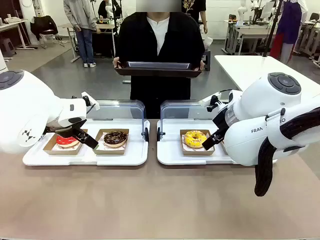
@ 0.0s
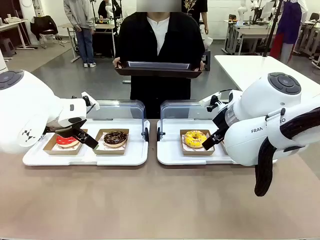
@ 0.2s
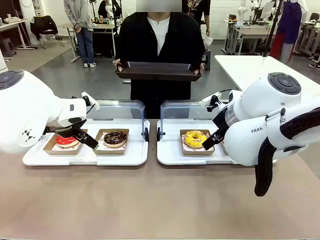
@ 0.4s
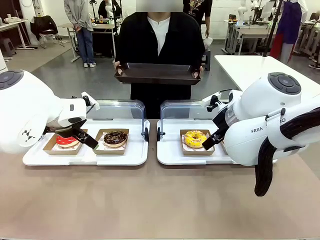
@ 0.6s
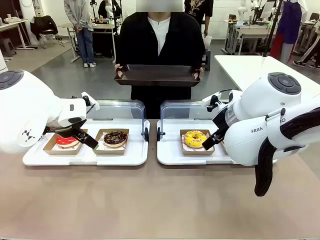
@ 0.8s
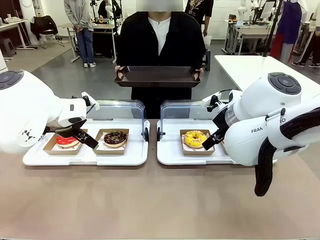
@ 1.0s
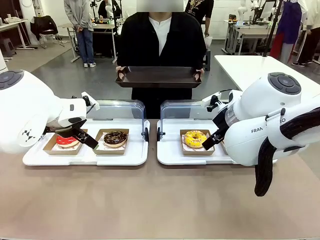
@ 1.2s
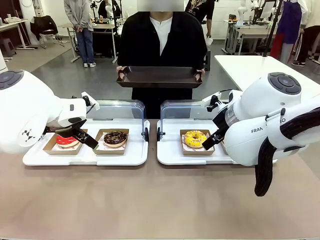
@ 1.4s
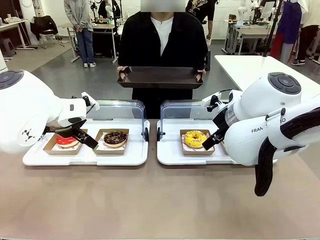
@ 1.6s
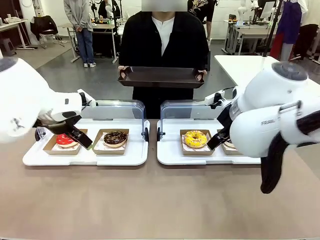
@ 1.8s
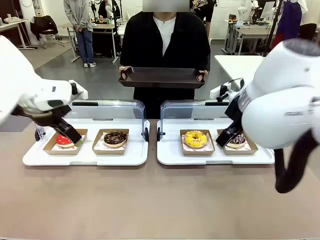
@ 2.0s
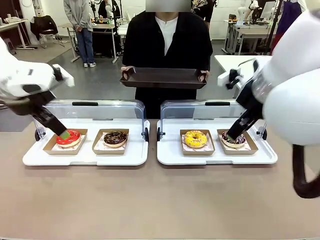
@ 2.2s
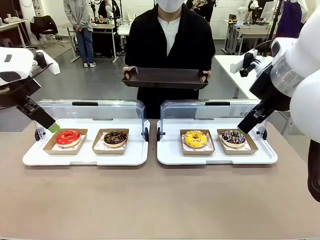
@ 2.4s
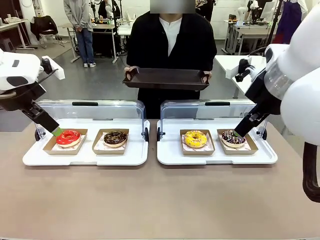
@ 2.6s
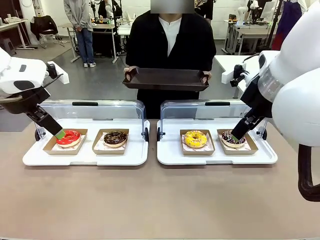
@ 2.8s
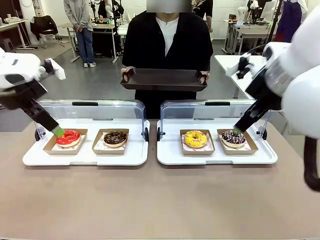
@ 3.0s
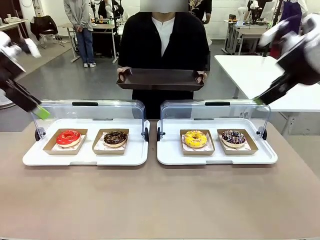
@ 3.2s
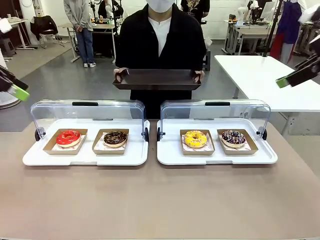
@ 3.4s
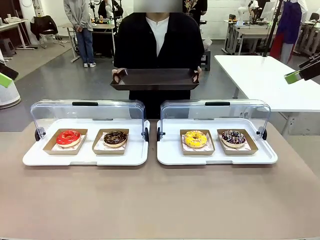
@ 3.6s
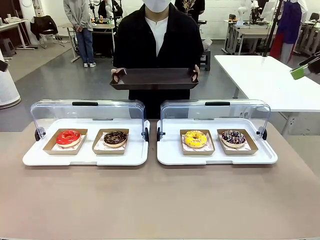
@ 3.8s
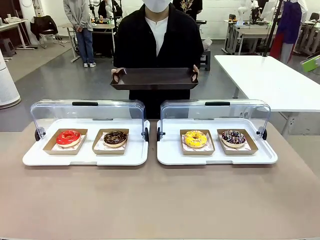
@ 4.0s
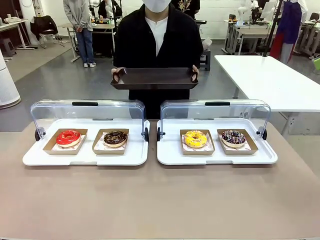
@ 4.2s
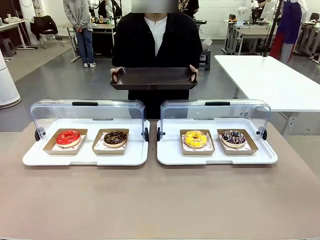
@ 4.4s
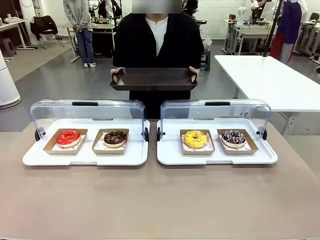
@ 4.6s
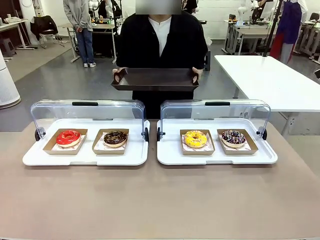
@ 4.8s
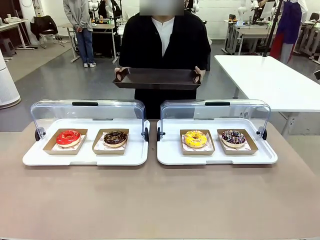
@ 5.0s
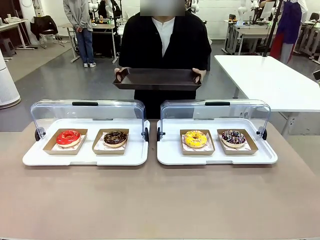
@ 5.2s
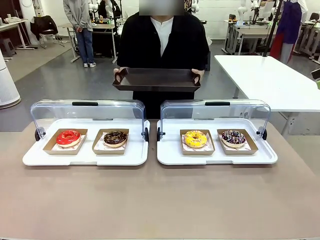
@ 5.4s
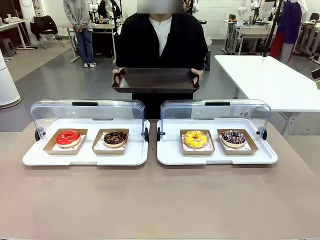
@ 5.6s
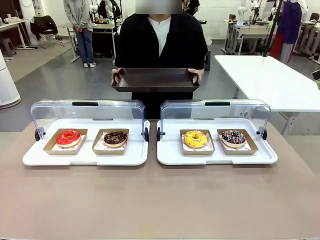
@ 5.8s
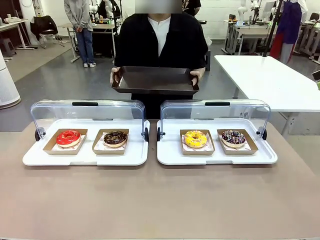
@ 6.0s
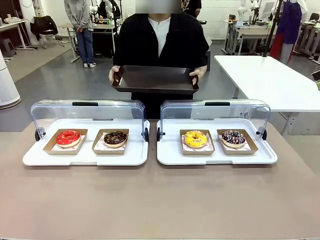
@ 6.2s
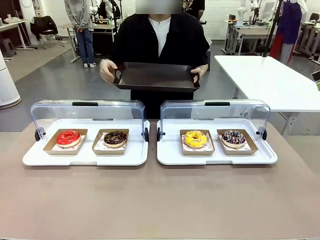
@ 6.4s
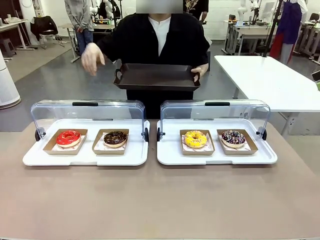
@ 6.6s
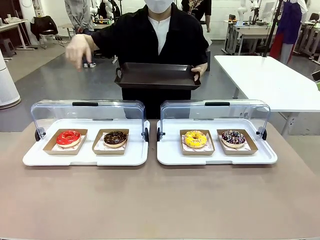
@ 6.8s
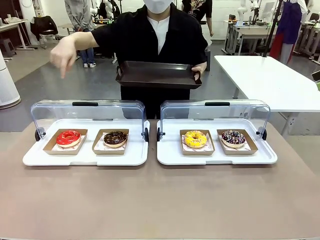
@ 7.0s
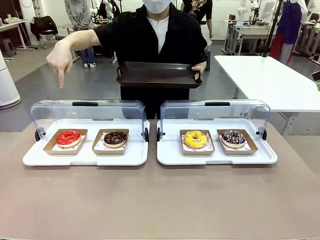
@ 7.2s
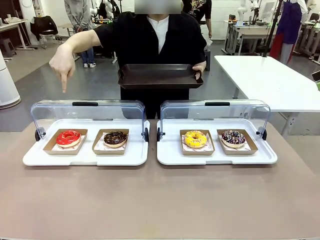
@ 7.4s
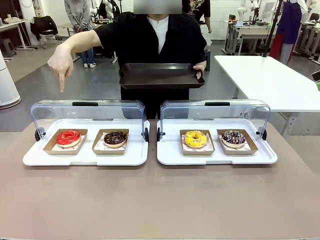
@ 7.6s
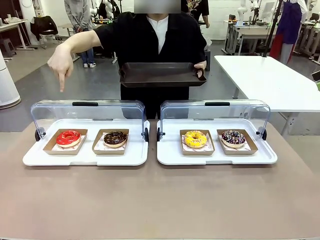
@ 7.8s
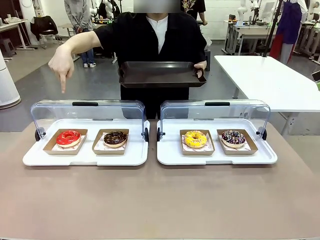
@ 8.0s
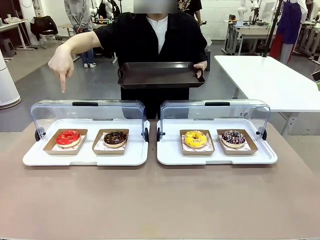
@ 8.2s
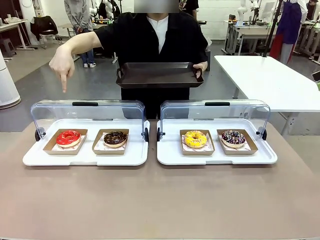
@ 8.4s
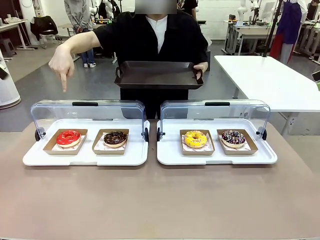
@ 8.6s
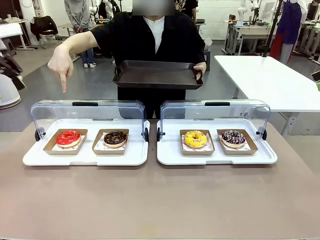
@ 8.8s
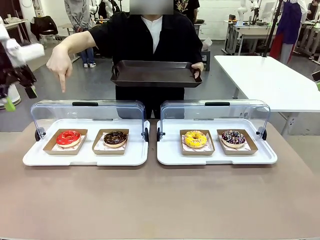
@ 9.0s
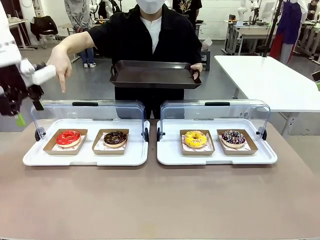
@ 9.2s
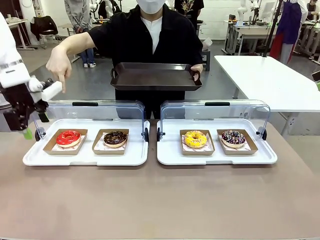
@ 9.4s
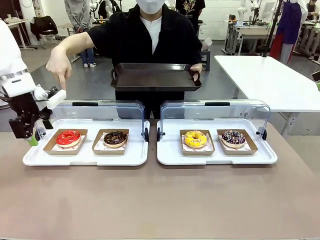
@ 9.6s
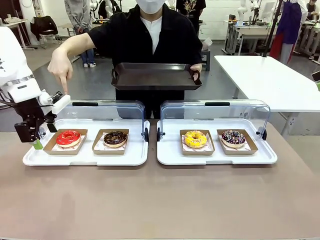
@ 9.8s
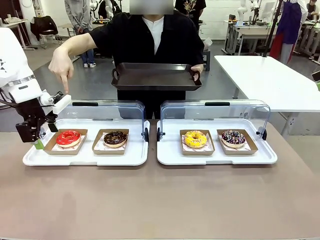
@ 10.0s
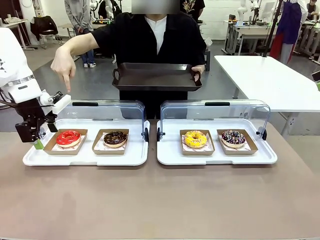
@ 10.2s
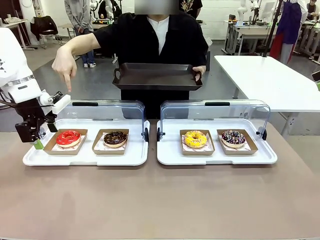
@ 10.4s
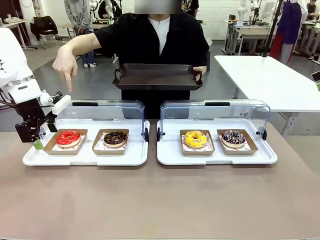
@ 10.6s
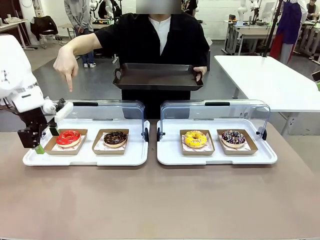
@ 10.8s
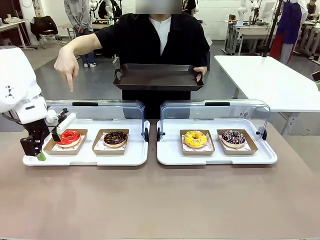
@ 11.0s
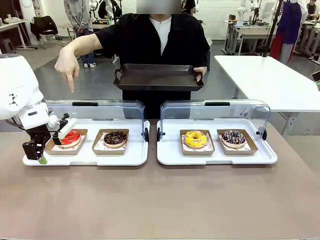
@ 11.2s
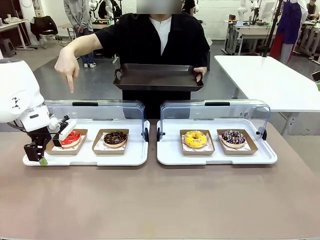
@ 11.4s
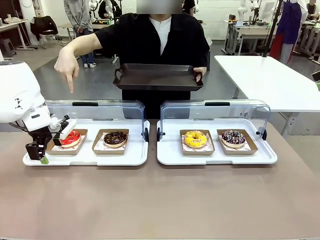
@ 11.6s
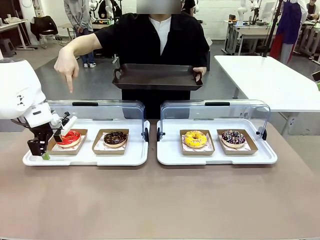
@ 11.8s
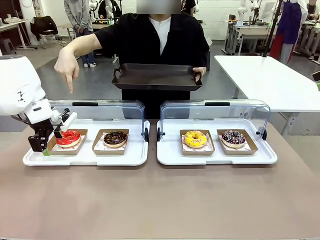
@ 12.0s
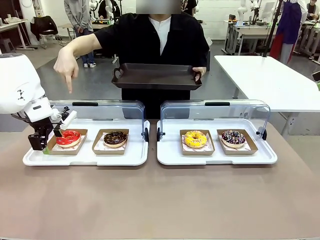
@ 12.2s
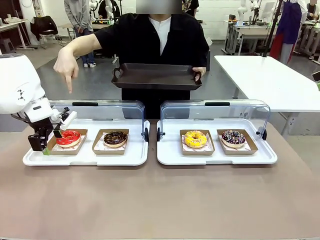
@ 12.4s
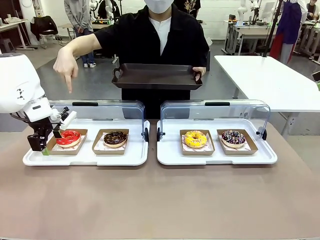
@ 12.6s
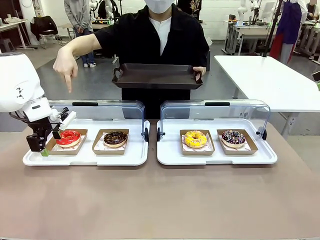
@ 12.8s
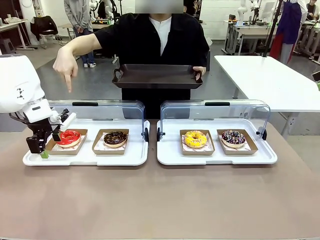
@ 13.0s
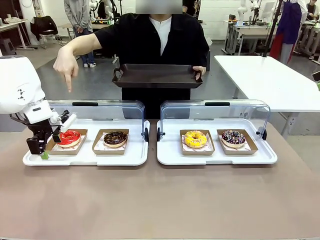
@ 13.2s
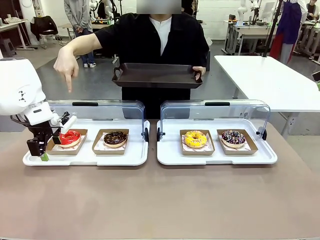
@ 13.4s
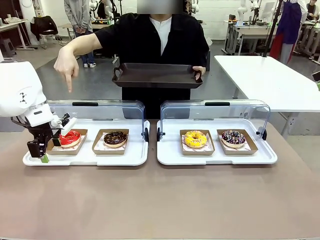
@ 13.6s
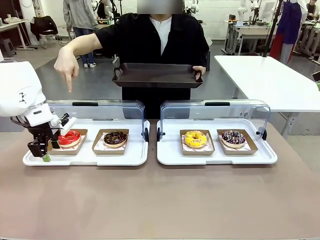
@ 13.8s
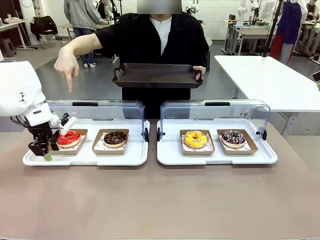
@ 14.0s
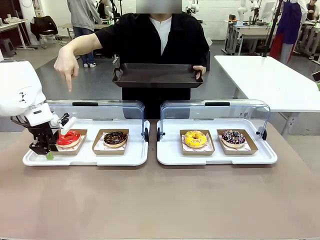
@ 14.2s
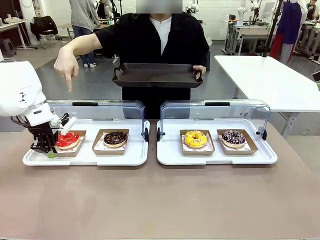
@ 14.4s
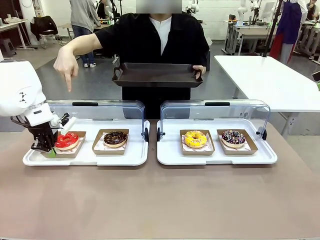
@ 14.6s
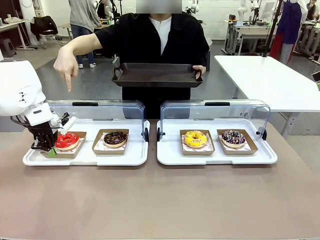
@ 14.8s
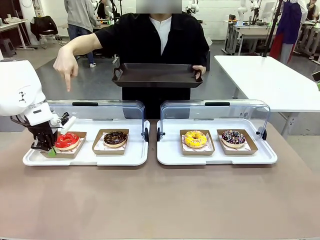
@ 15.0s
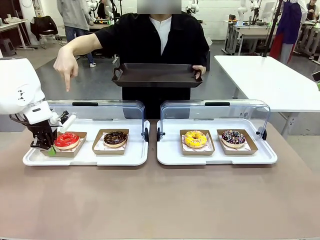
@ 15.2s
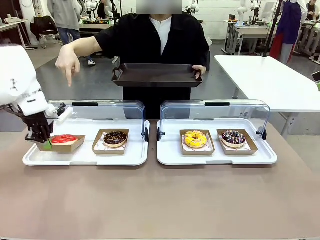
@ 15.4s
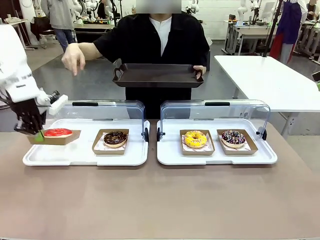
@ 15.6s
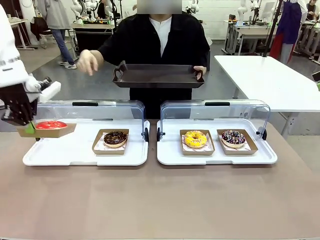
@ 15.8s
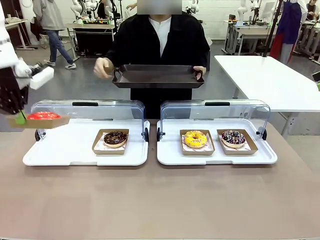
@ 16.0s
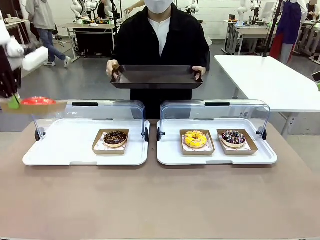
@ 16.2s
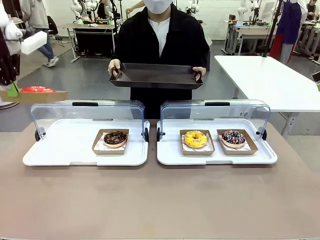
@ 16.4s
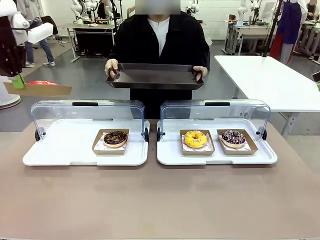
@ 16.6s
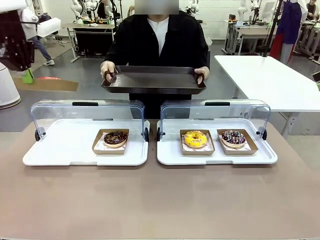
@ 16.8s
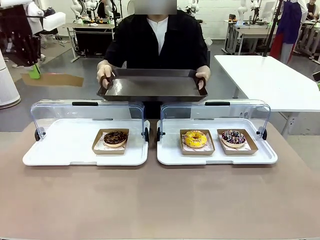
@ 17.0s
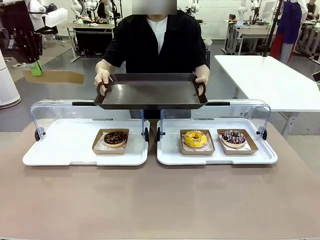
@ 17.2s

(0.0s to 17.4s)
Task: Provide the desired donut to the person.
Robot: Pick up and lift the Paper togo box containing the Donut pointed at by the person.
Person: Point to one donut. Lift the tray onto the Roll-Top Bakery Case.

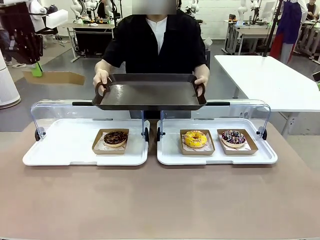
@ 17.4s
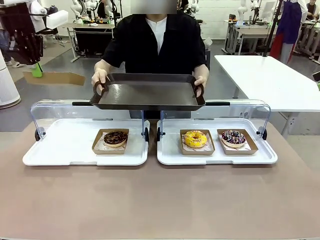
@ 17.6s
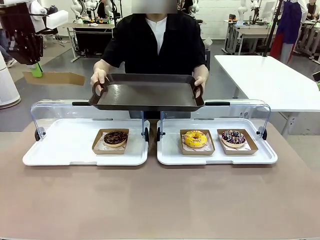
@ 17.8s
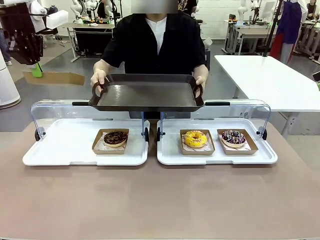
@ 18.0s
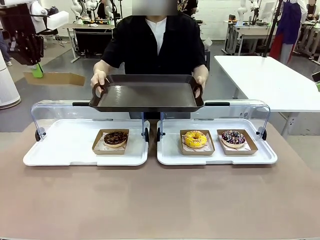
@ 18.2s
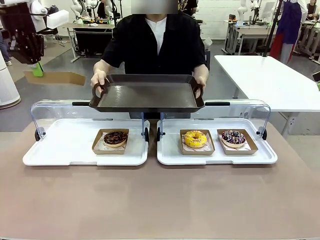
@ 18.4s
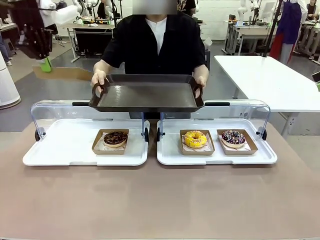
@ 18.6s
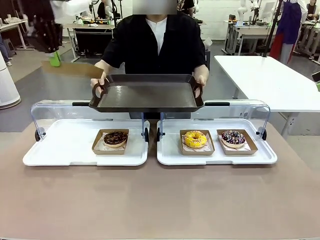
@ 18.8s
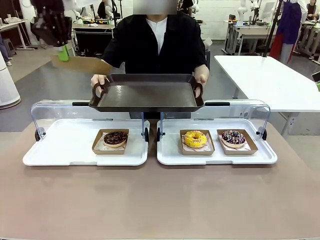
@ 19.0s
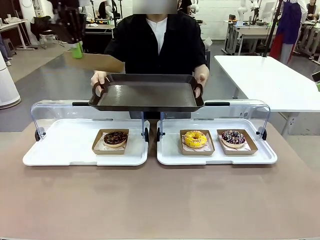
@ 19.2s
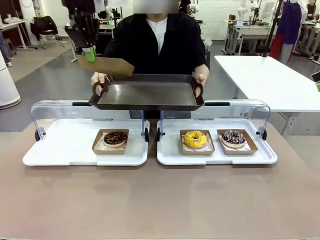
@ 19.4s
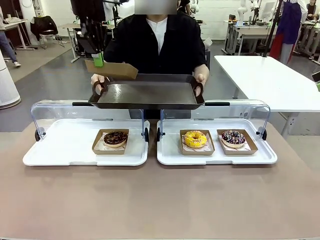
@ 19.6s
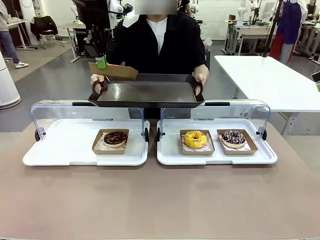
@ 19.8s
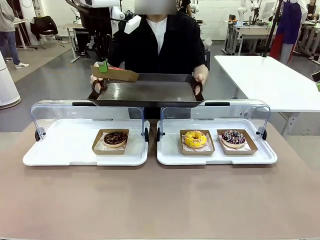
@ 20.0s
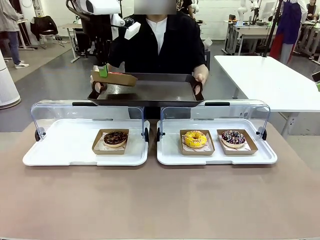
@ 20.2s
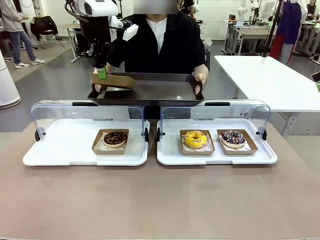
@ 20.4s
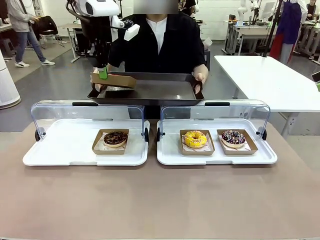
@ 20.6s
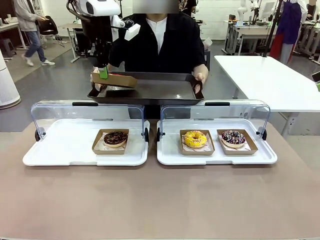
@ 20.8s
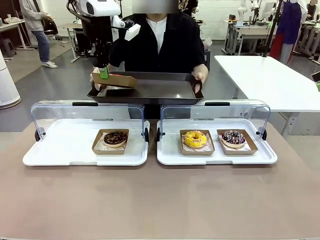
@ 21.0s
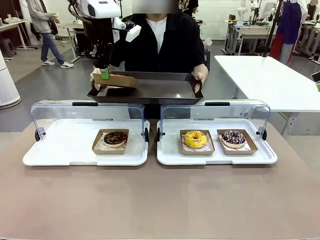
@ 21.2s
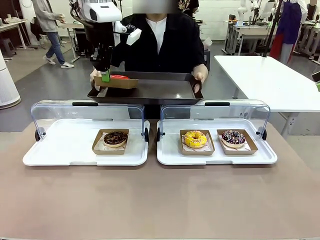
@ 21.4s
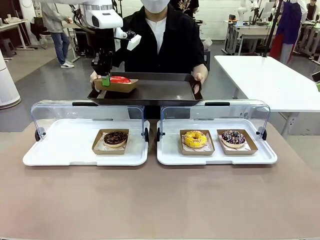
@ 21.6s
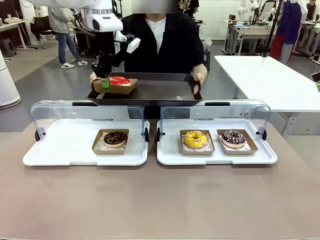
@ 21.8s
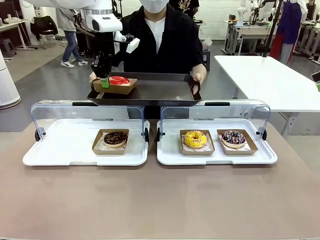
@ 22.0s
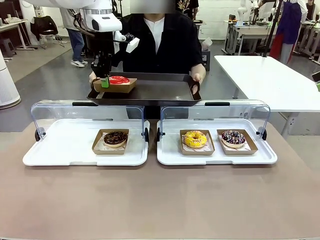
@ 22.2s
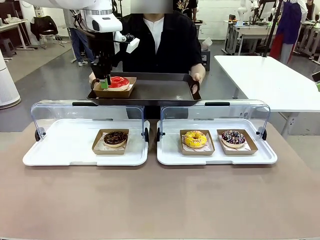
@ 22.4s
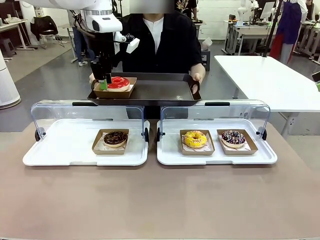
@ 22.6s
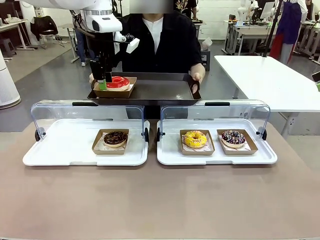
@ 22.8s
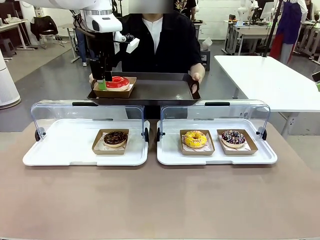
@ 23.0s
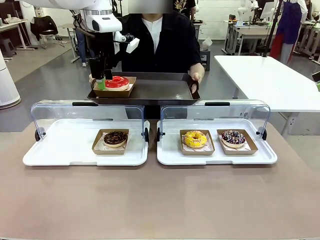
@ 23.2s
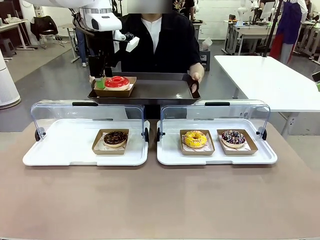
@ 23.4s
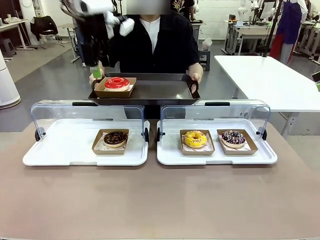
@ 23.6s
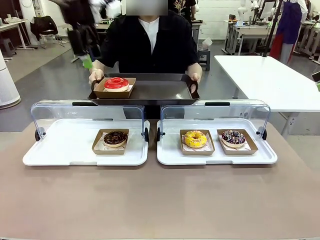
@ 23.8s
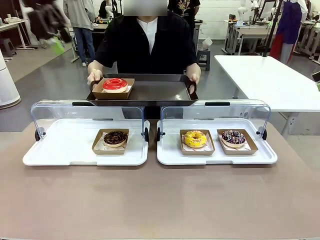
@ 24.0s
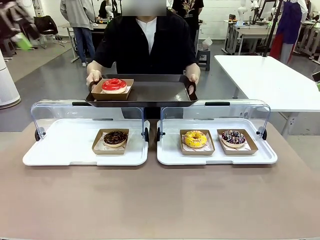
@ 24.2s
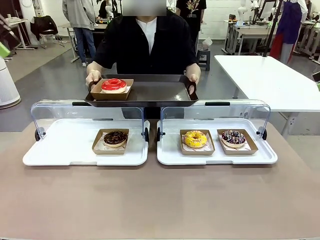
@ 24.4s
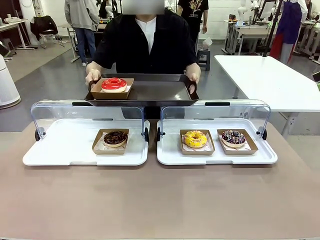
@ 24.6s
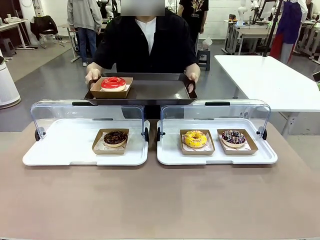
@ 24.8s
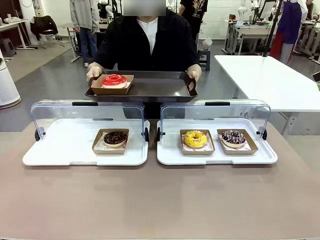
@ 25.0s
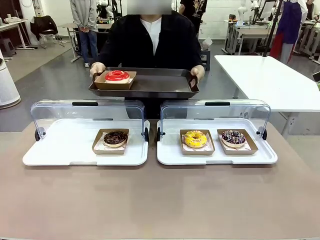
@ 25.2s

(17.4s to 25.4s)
Robot: Place the picked Paper togo box onto the Handle tray extended by the person.
